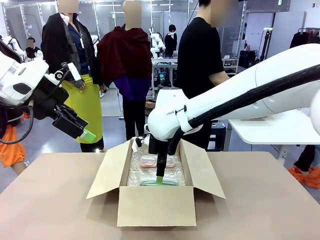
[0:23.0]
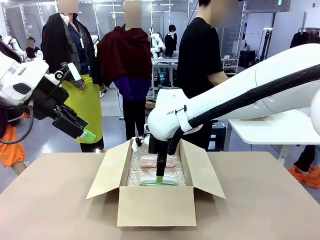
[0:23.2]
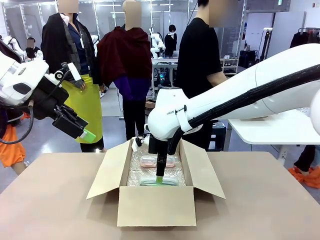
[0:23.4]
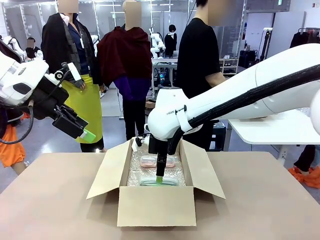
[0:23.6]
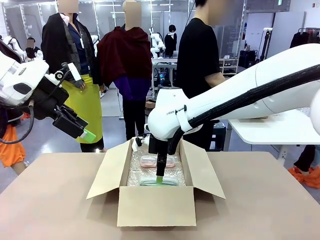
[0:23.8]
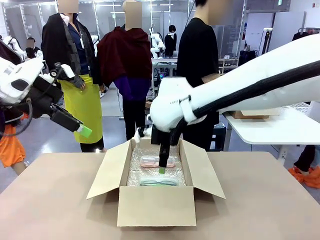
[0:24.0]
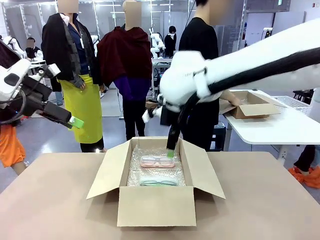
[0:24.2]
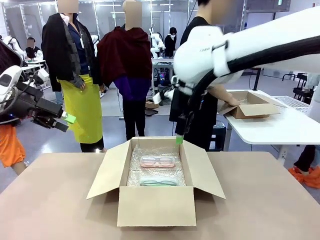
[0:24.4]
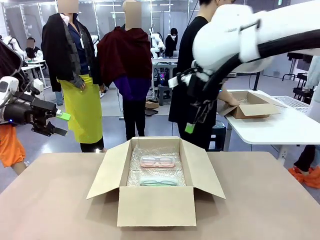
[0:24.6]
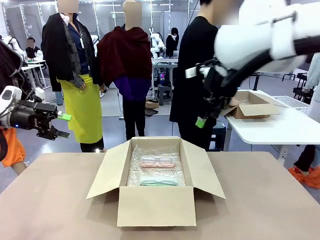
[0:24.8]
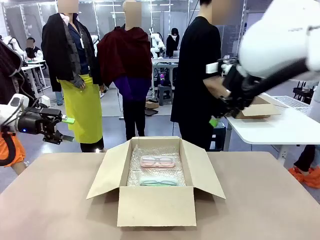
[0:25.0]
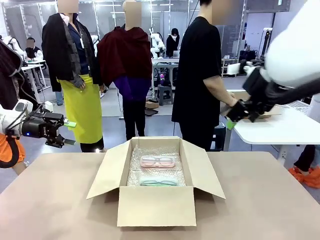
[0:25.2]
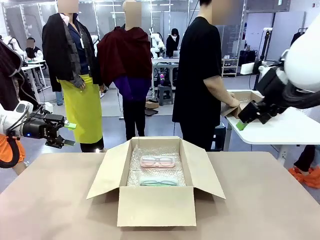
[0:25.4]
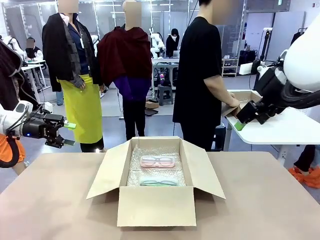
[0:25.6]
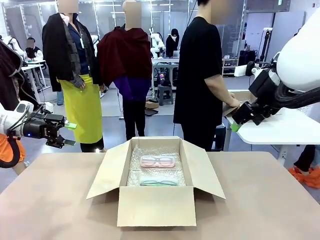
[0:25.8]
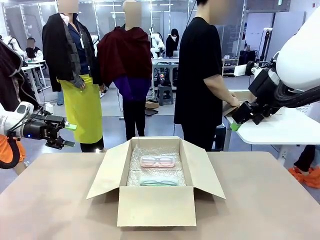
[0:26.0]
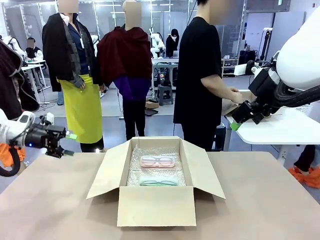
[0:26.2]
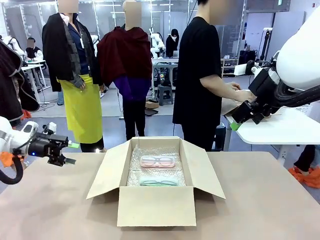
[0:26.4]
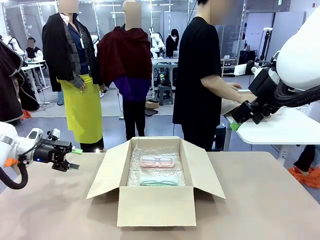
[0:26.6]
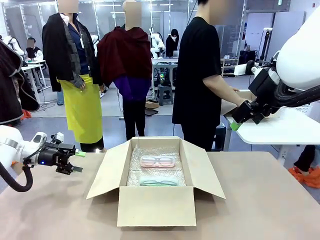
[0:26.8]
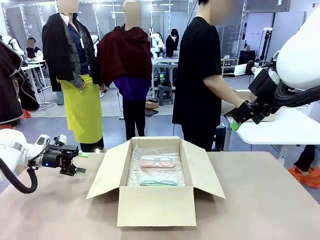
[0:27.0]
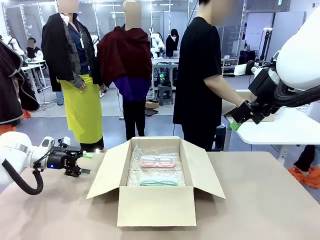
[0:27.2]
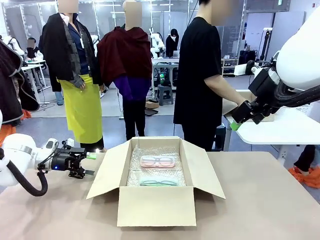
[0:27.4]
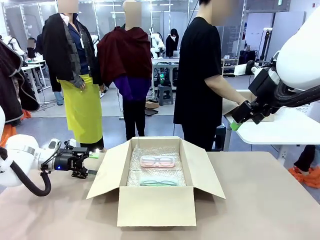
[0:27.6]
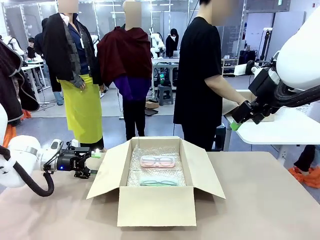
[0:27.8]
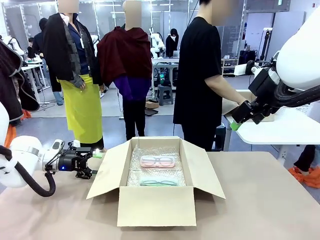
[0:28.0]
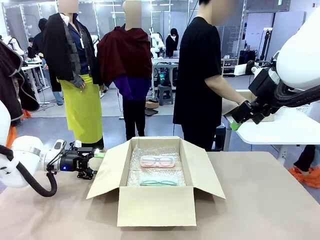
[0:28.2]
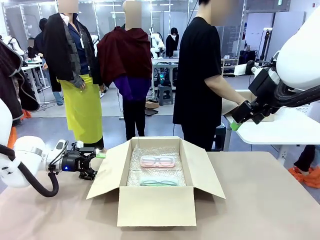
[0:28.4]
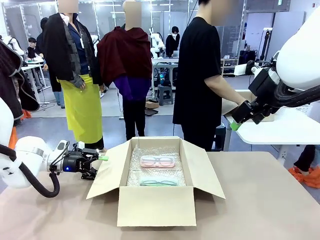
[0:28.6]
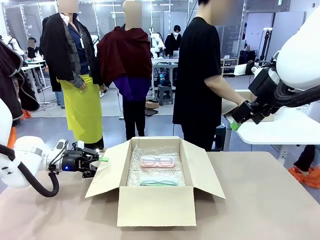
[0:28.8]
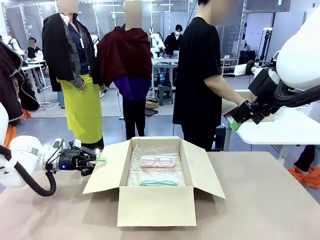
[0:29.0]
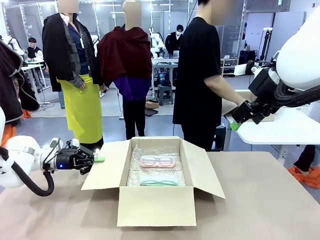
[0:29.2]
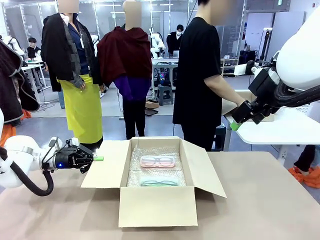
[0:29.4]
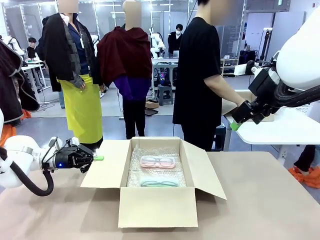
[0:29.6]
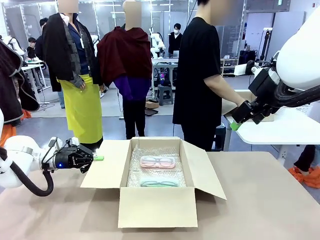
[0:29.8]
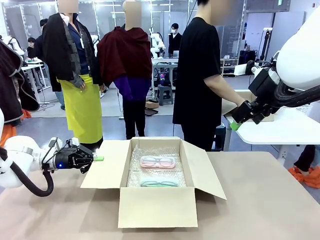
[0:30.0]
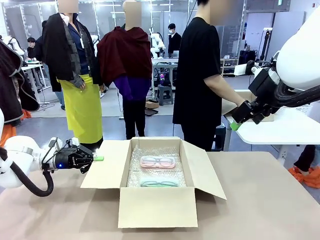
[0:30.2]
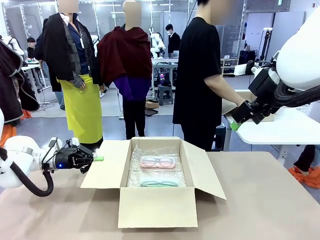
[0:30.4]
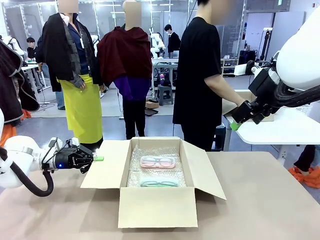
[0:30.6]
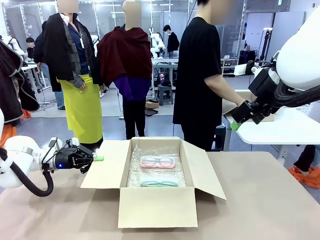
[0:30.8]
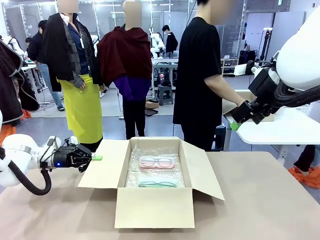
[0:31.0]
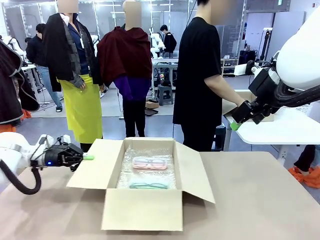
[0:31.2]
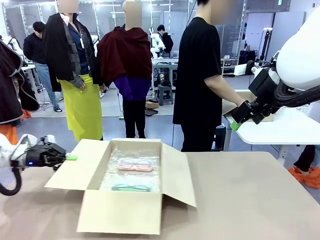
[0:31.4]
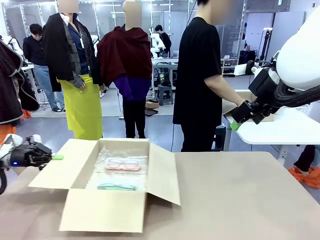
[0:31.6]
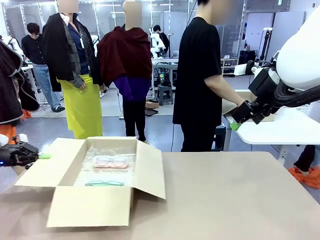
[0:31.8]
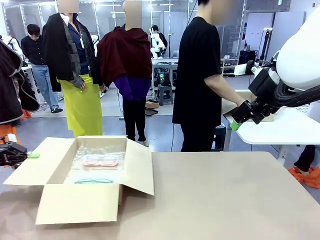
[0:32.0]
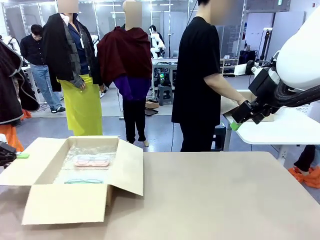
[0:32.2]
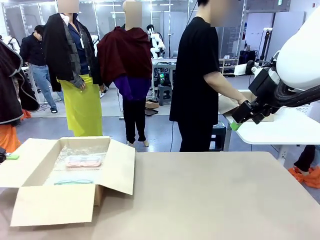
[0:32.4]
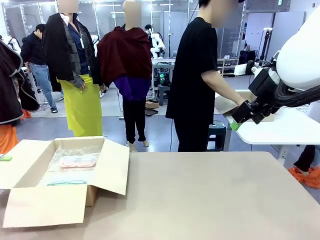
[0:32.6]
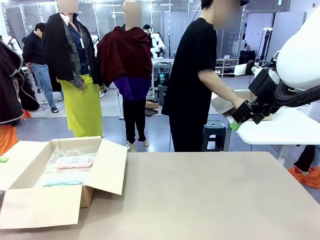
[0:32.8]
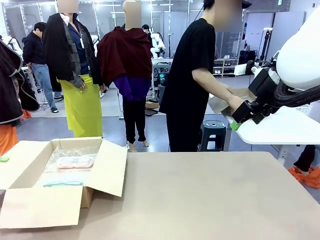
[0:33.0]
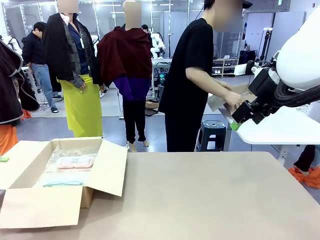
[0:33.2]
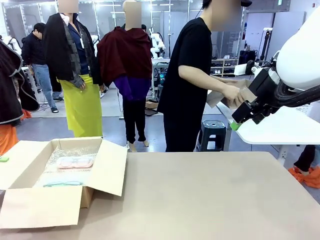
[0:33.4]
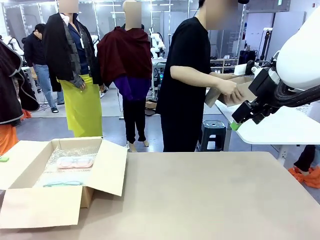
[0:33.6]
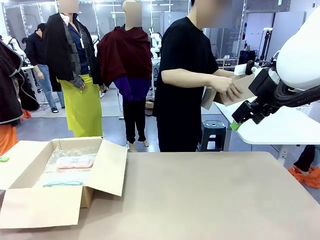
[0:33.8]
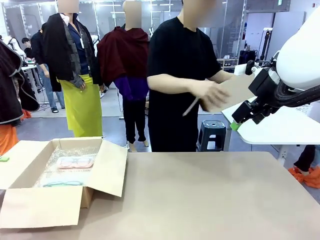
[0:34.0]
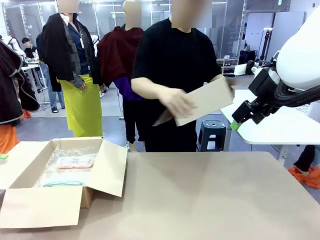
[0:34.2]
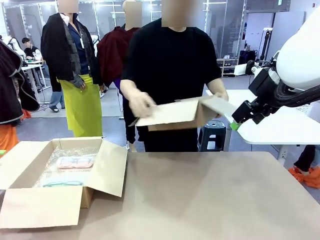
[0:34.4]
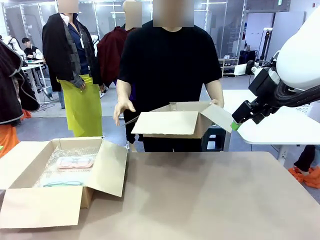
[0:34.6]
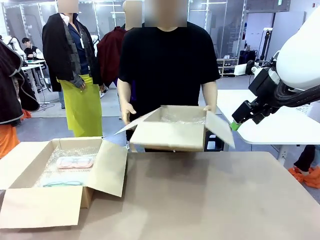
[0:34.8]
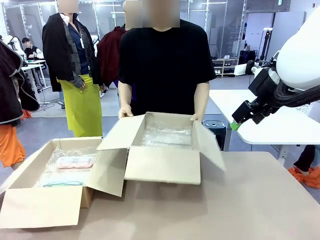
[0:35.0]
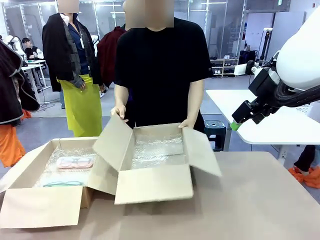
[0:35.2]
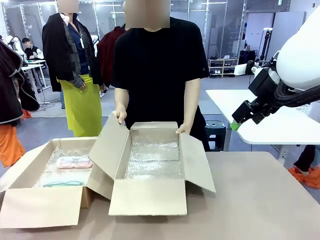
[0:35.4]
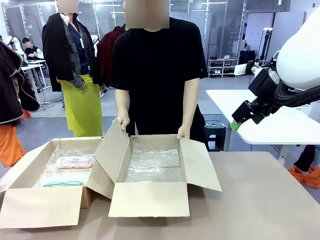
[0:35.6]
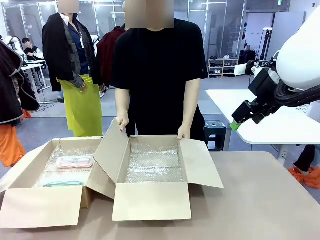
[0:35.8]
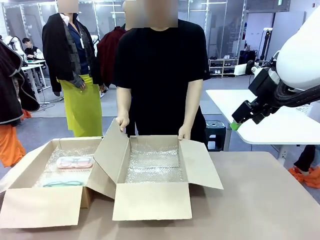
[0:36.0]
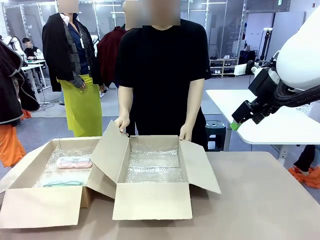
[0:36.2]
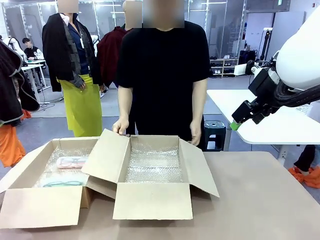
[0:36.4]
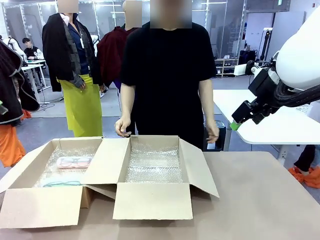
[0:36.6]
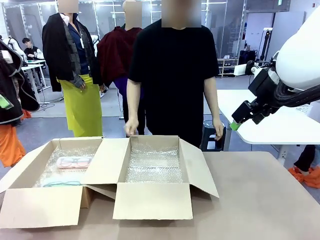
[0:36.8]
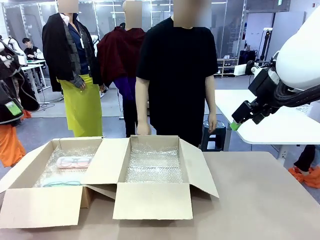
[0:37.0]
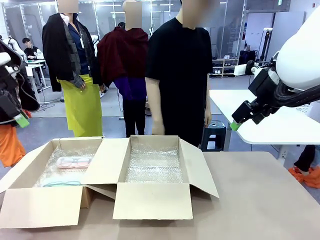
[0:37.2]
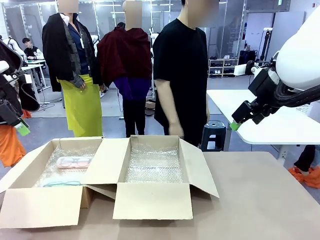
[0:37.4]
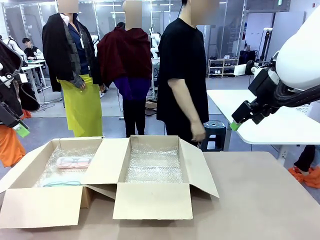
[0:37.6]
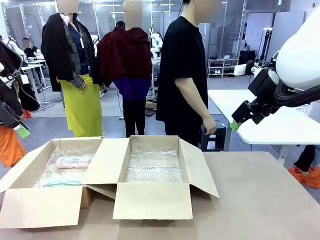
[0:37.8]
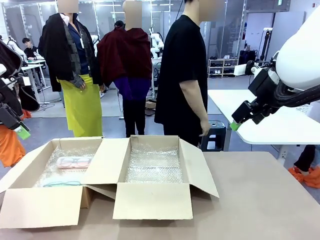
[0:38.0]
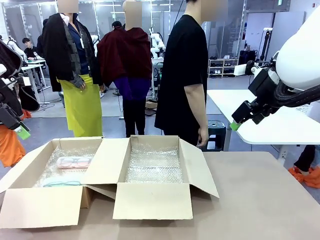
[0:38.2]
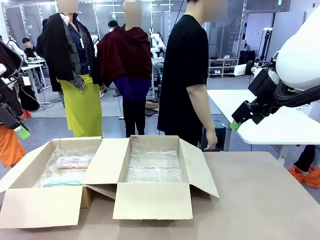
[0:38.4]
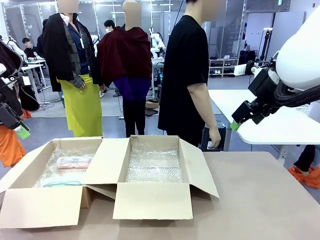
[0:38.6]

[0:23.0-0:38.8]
Task: Pack the glasses set securely to prepare it for shipping.
Robot: Position the Package Box on the left side of the table.
Person: Position the empty Package Box in the middle of the robot's table.

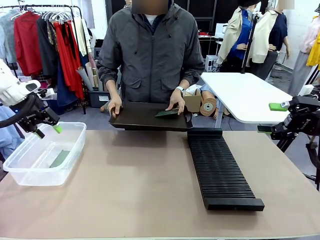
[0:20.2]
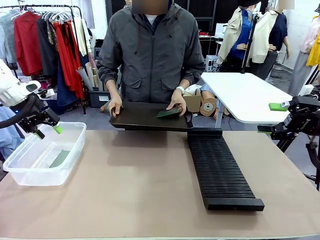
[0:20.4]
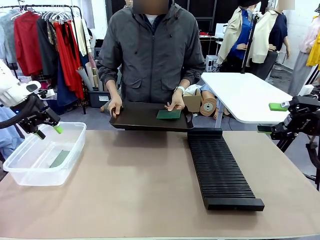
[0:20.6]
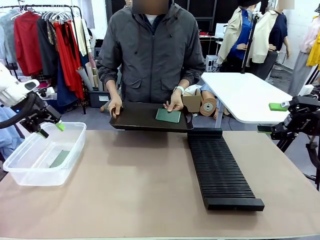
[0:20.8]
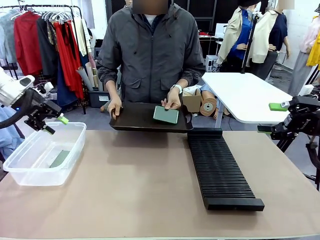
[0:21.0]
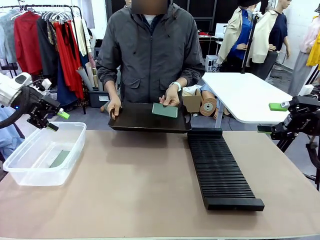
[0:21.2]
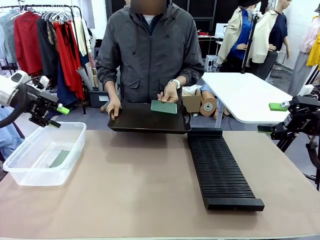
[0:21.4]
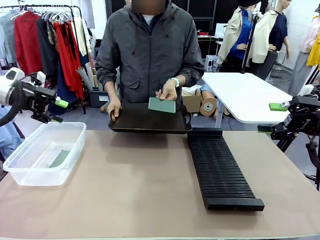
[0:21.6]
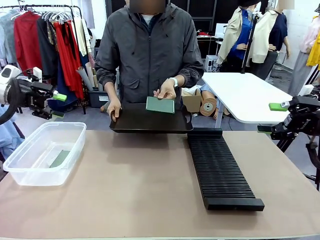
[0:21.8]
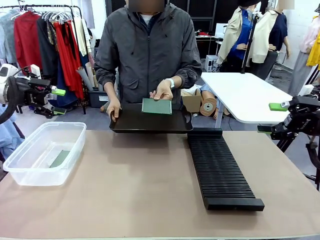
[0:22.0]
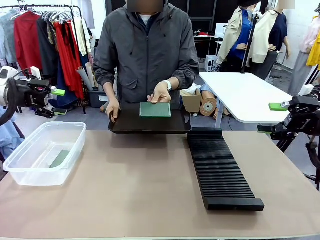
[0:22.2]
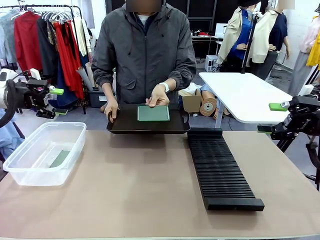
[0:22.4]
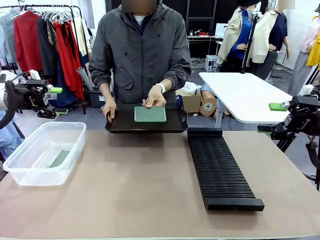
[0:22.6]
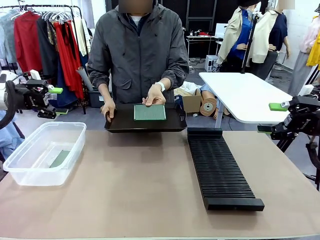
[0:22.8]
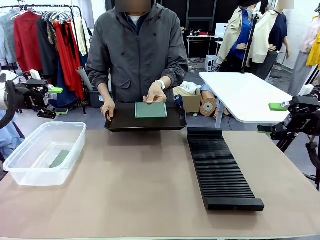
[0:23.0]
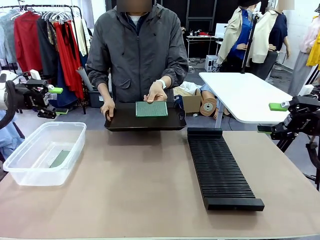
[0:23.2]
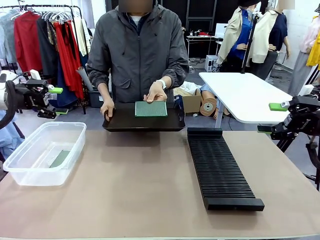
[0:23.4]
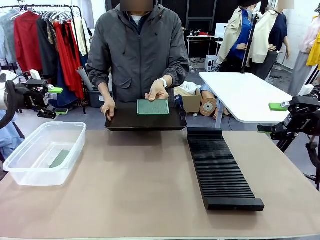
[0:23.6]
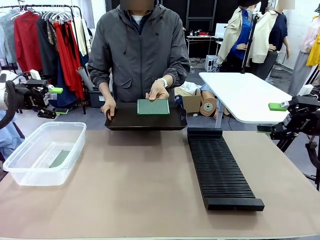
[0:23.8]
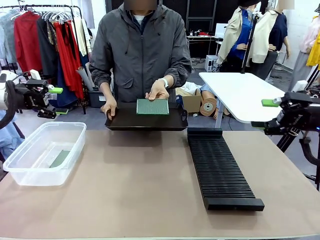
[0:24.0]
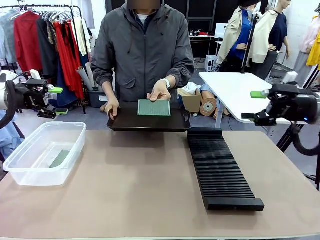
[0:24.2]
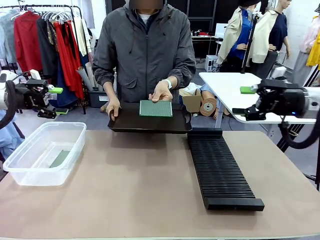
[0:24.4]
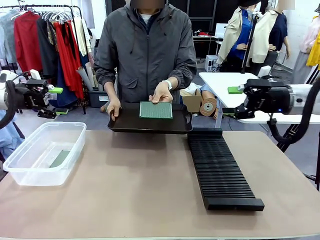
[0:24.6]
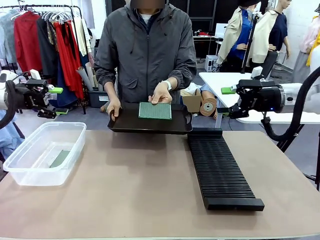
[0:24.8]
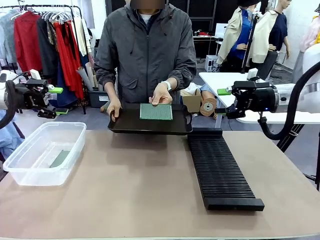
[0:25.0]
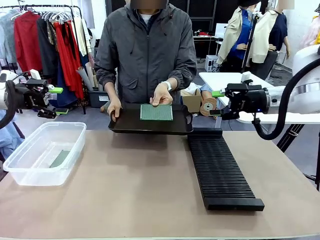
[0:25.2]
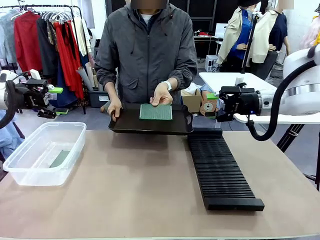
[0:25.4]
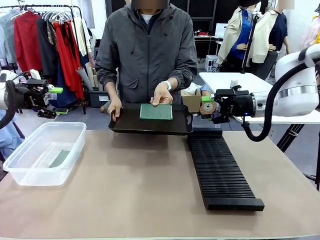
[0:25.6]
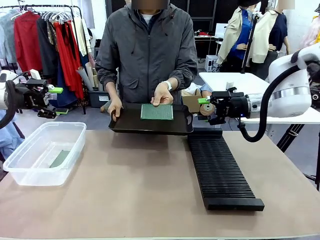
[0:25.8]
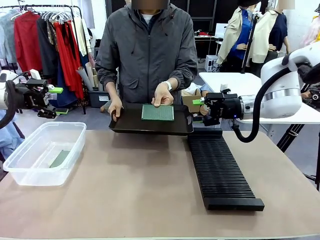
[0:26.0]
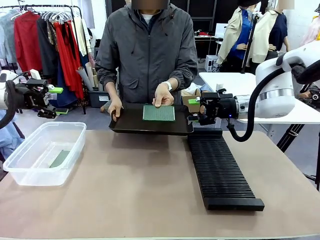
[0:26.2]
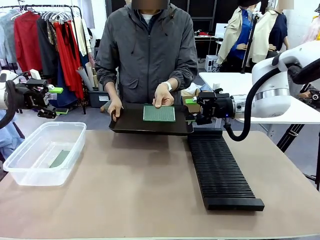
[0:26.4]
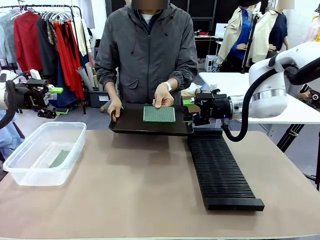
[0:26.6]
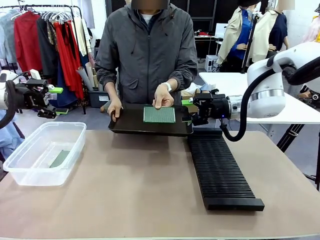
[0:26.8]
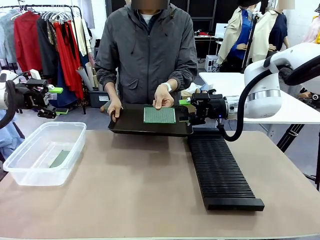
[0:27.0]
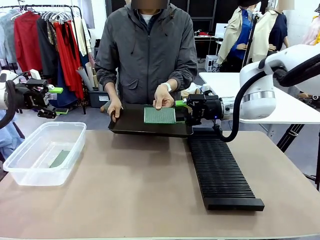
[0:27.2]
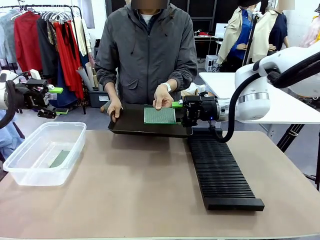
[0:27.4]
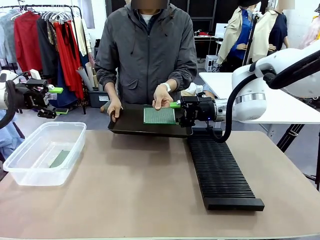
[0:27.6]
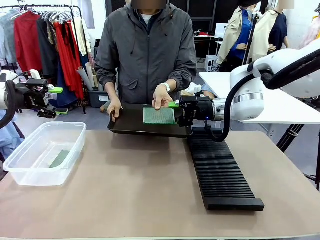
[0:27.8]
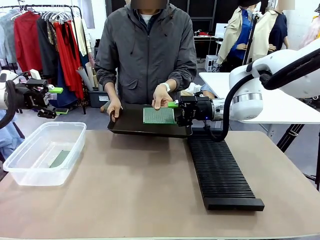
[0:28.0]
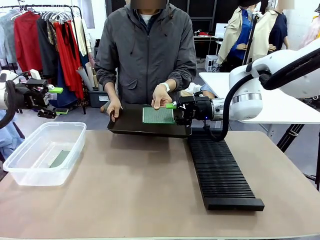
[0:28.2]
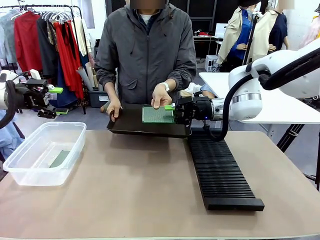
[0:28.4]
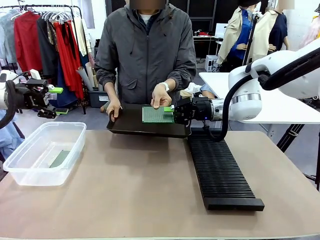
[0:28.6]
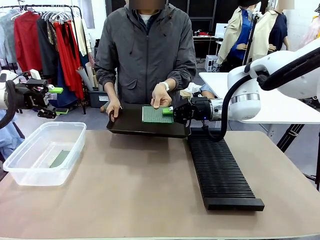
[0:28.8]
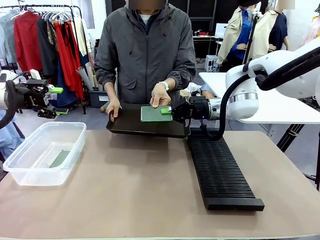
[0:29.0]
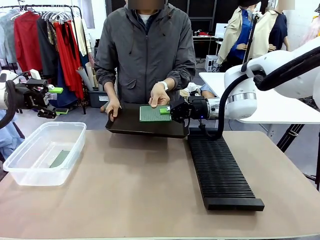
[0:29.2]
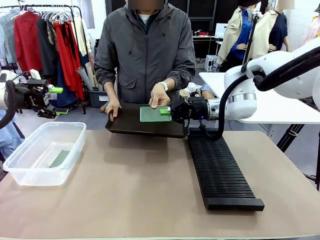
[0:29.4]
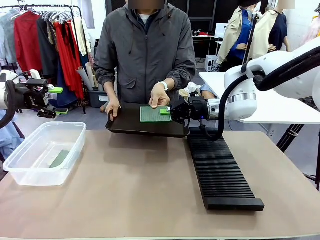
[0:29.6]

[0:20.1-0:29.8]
Task: Sort PCBs into racks and boxes based on the side picked up.
Robot: Pick up the Blank PCB handed by the Human.
